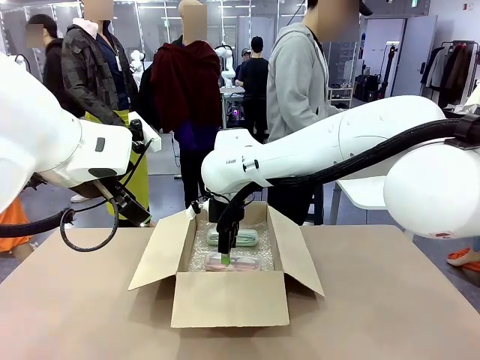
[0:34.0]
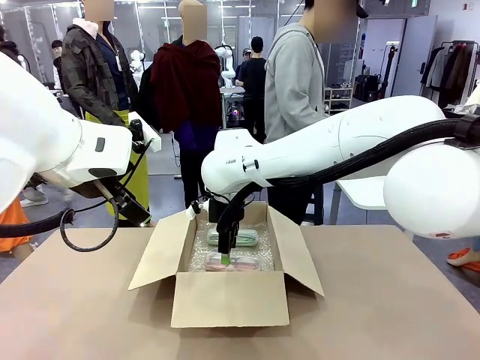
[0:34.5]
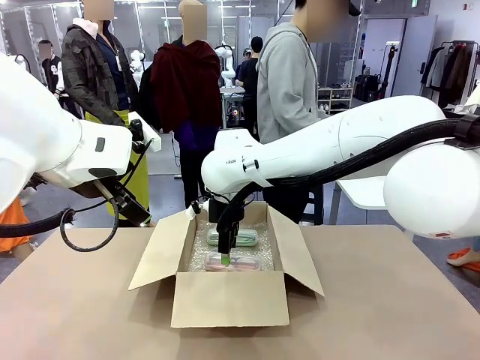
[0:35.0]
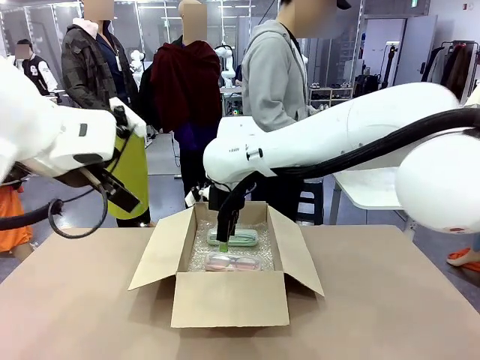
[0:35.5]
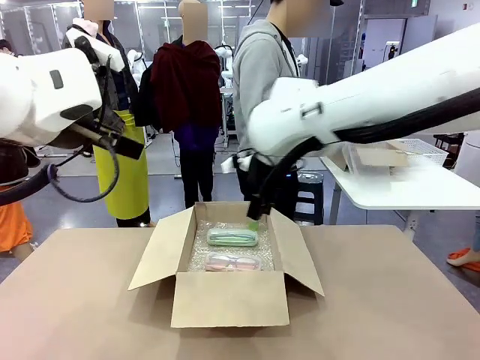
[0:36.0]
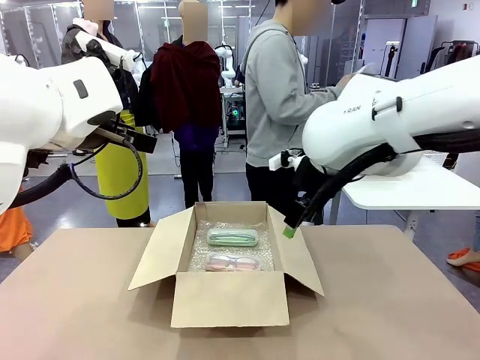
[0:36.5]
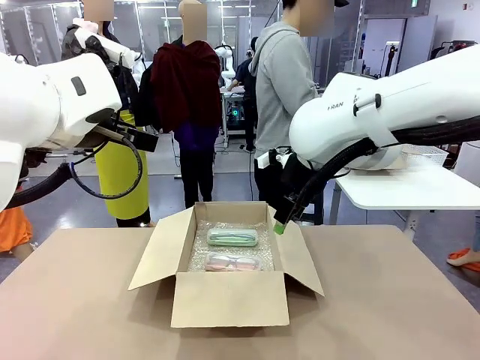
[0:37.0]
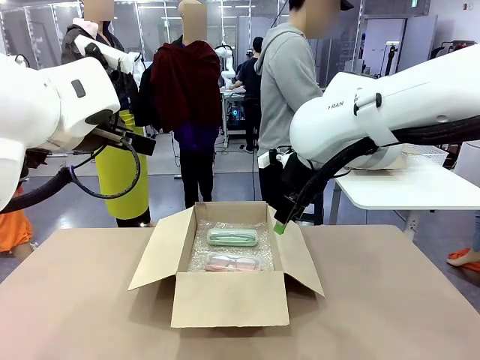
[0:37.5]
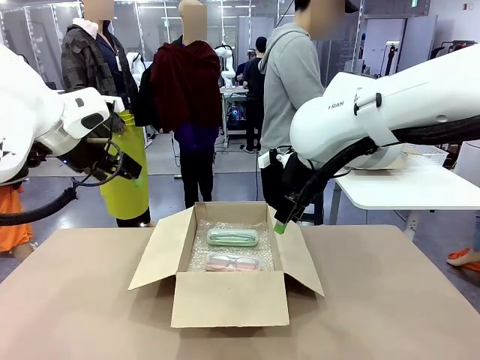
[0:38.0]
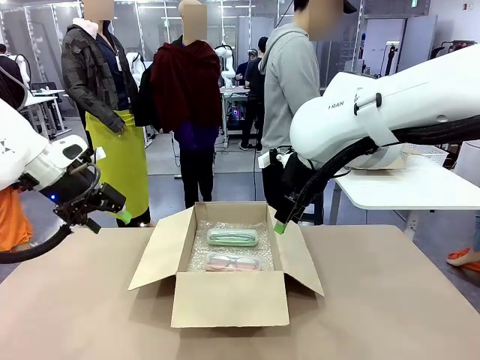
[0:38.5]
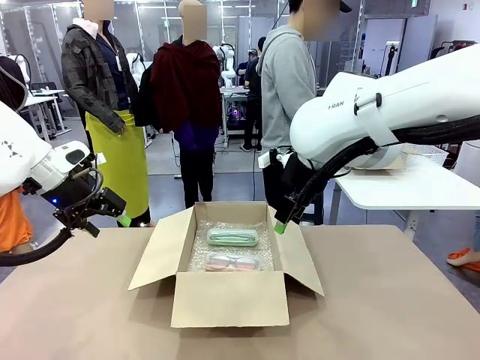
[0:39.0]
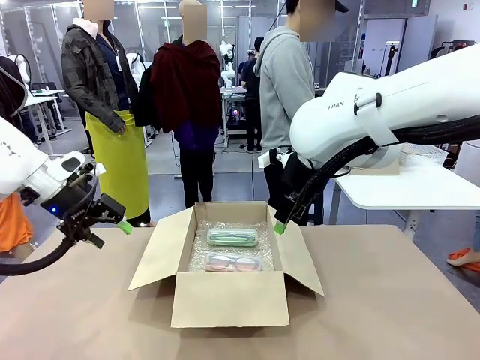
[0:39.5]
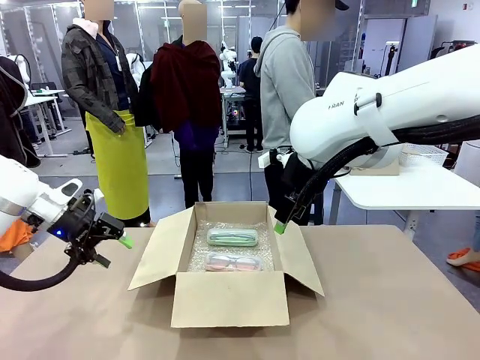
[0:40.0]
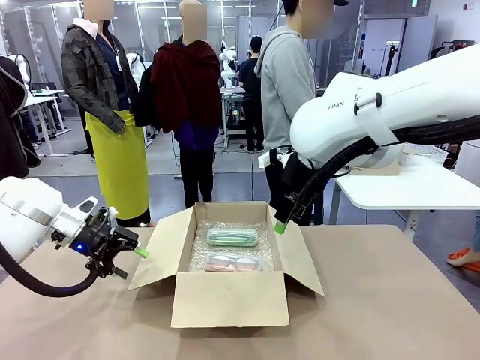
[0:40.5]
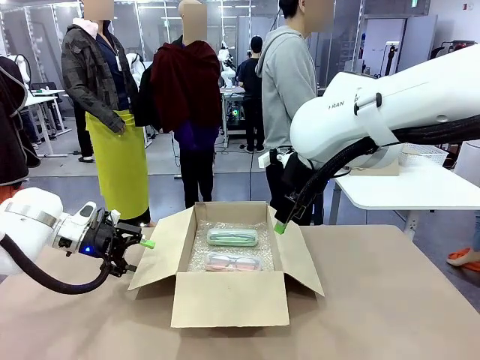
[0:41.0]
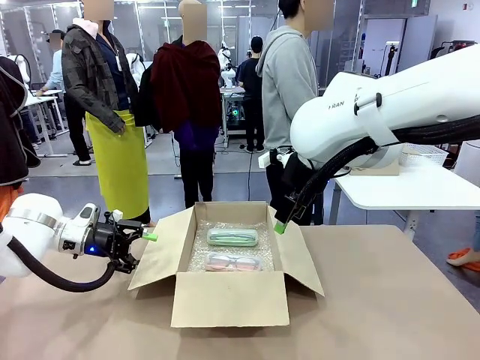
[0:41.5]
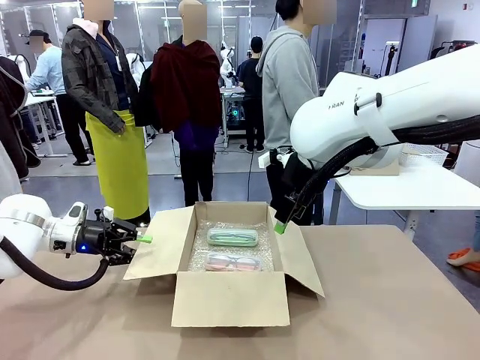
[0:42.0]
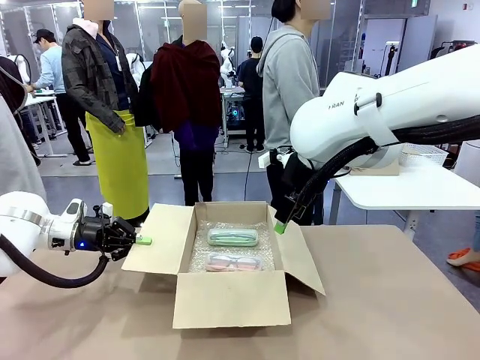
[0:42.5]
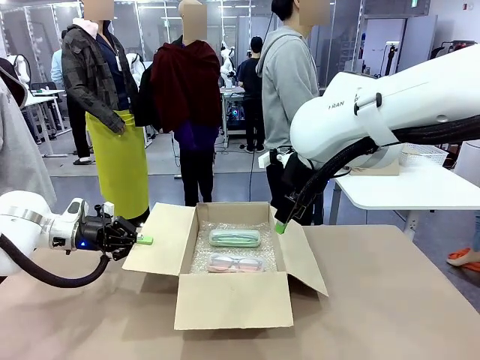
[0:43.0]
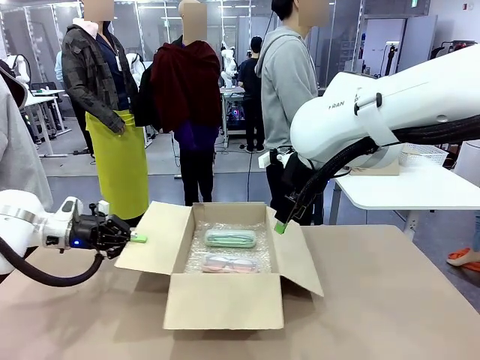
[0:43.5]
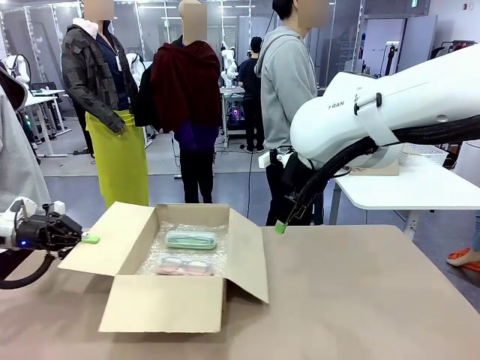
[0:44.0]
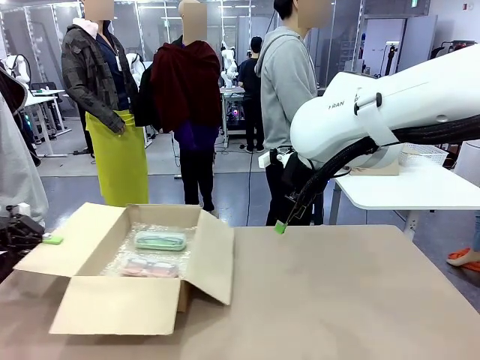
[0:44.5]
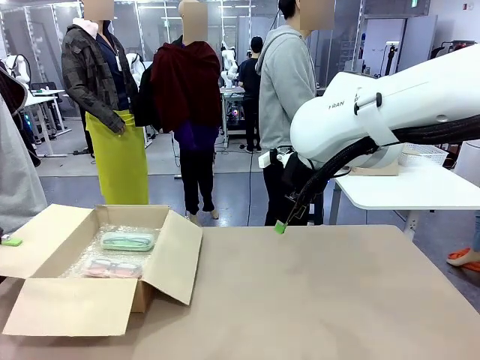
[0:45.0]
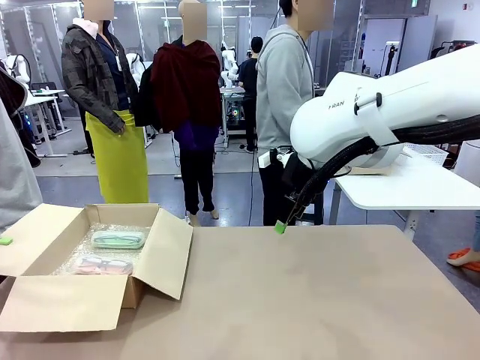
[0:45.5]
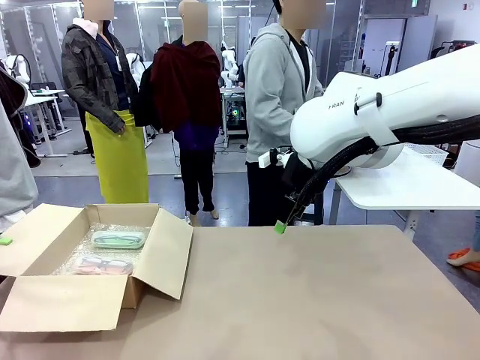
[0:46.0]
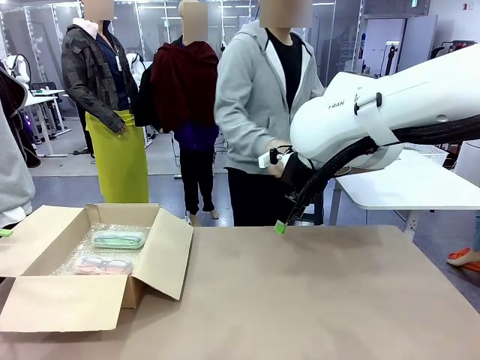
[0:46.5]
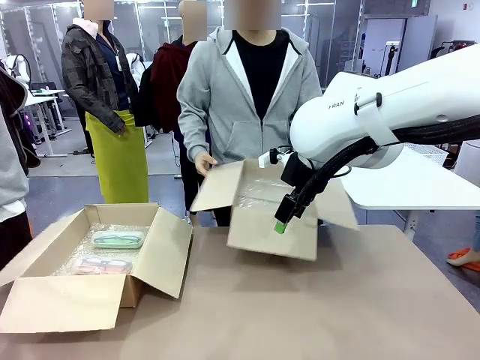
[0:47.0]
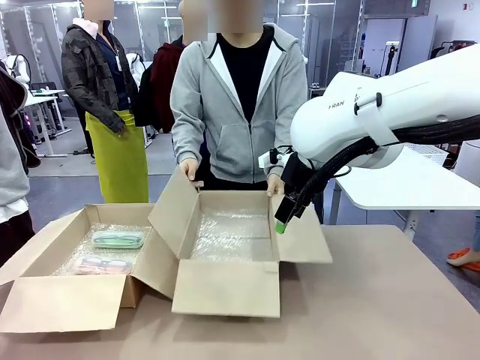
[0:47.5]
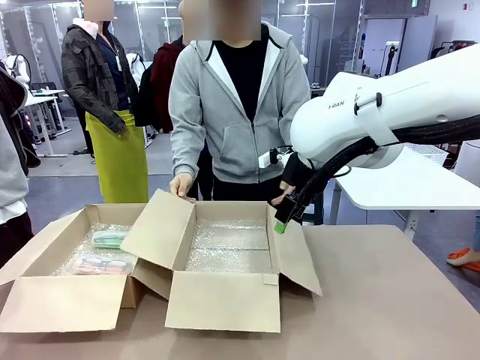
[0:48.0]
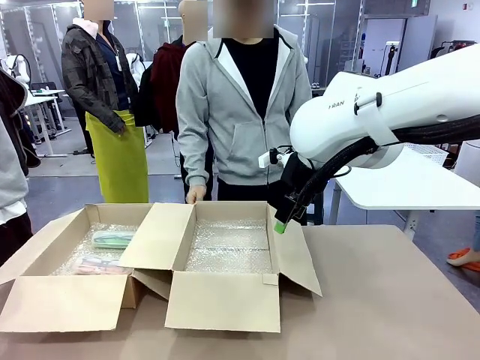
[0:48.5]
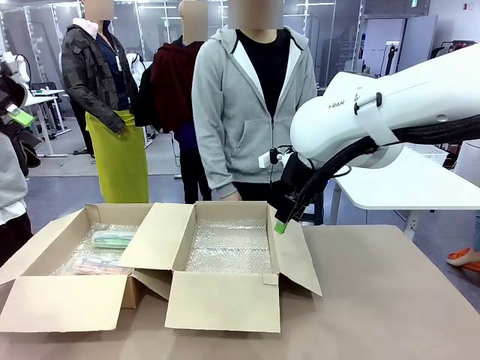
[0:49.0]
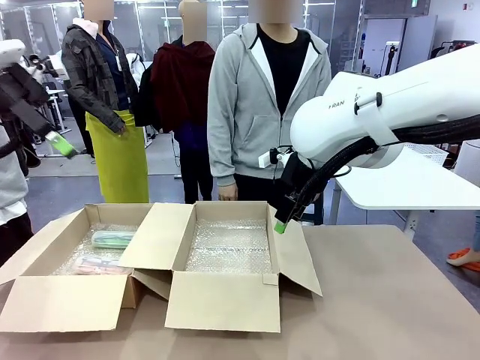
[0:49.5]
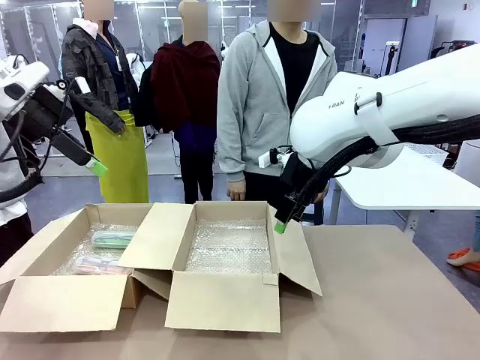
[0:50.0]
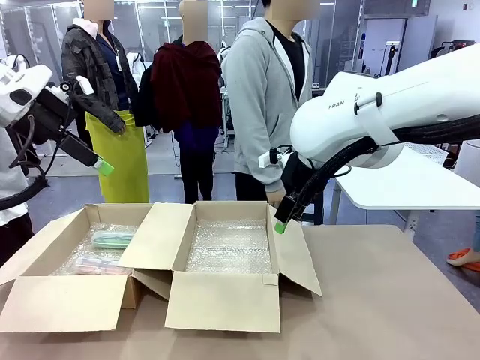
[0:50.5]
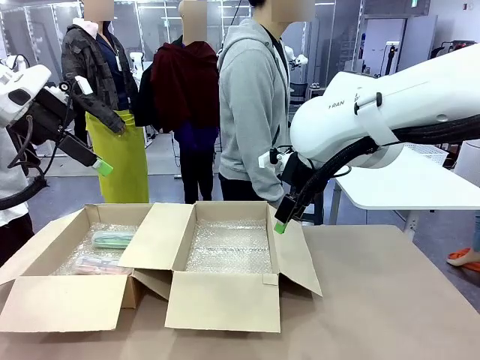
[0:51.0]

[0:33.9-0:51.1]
Task: Pack the glasses set securely to prepare it for shipping.
Robot: Position the Package Box on the left side of the table.
Person: Position the empty Package Box in the middle of the robot's table.

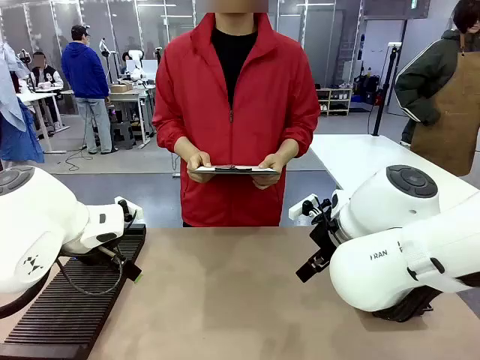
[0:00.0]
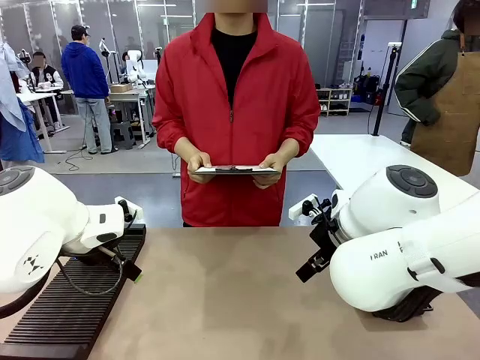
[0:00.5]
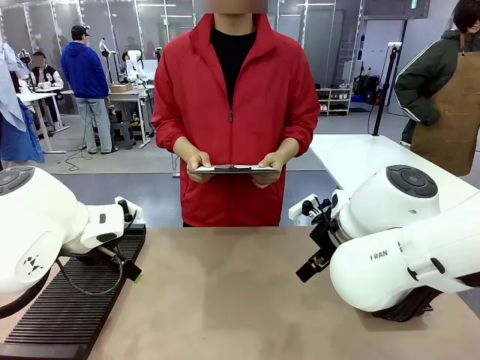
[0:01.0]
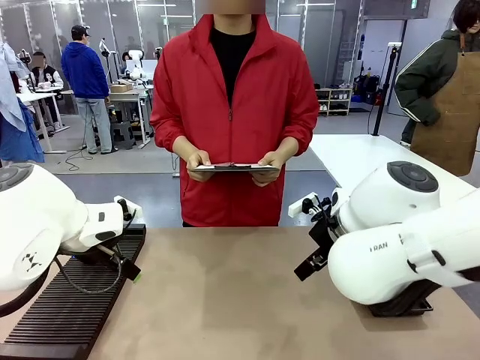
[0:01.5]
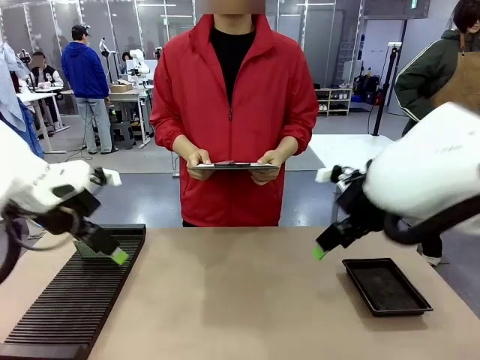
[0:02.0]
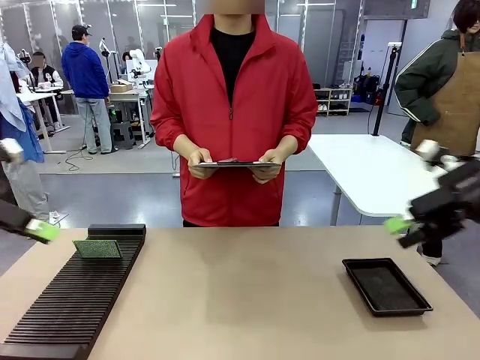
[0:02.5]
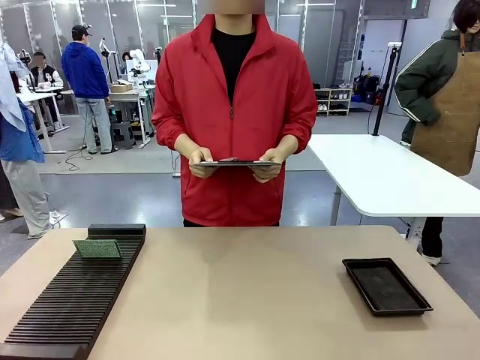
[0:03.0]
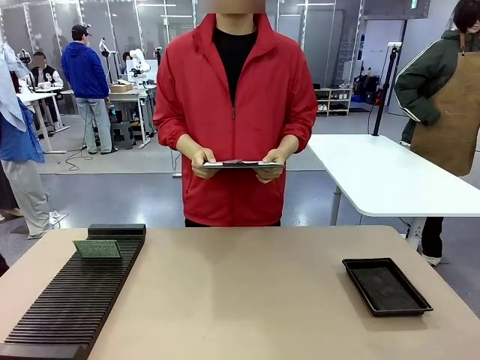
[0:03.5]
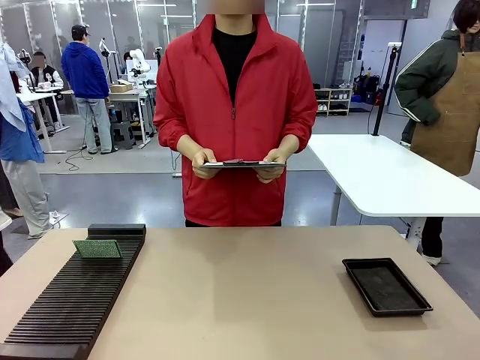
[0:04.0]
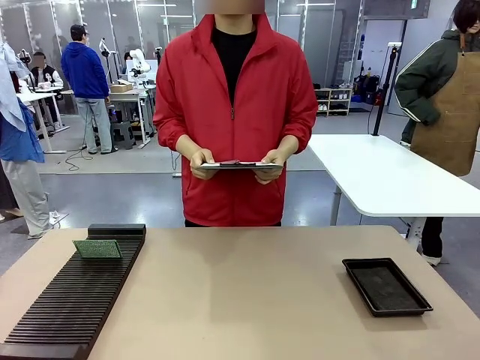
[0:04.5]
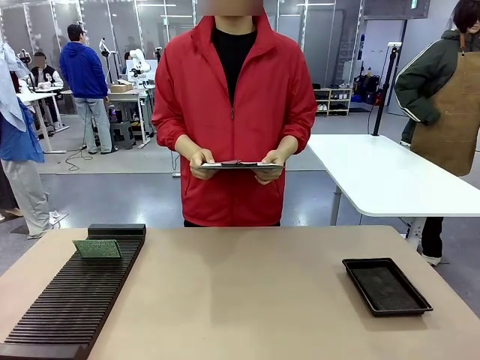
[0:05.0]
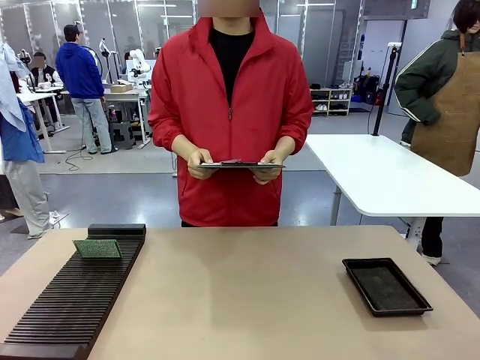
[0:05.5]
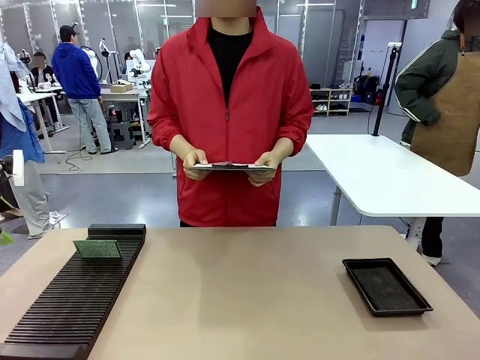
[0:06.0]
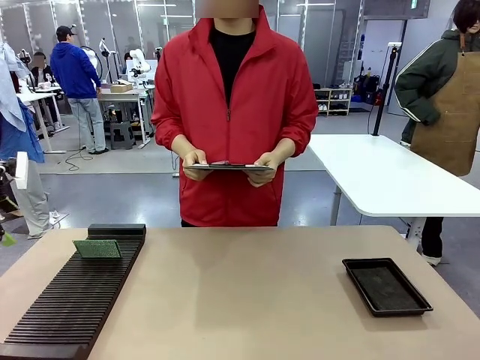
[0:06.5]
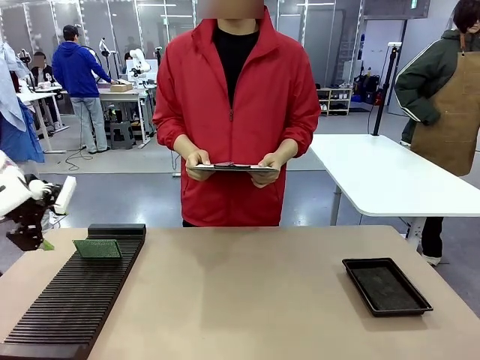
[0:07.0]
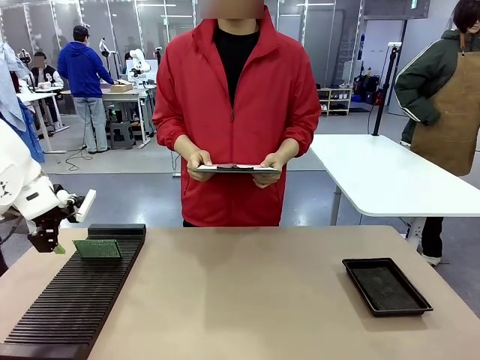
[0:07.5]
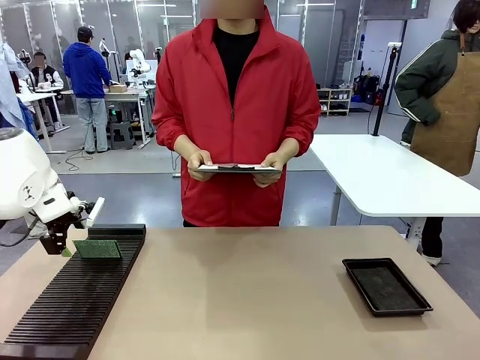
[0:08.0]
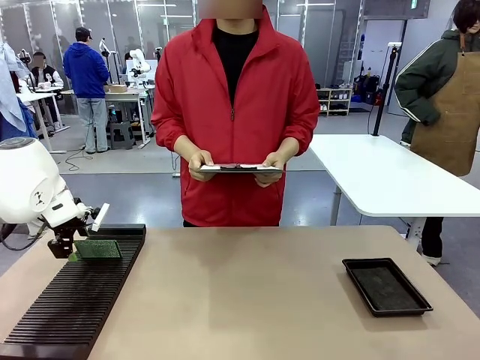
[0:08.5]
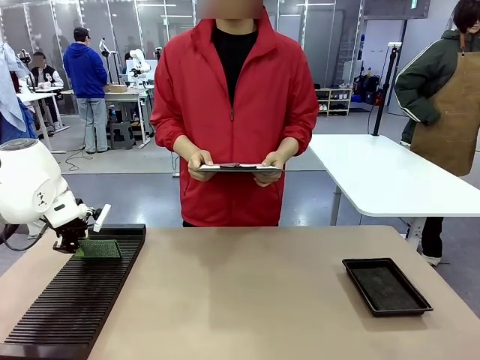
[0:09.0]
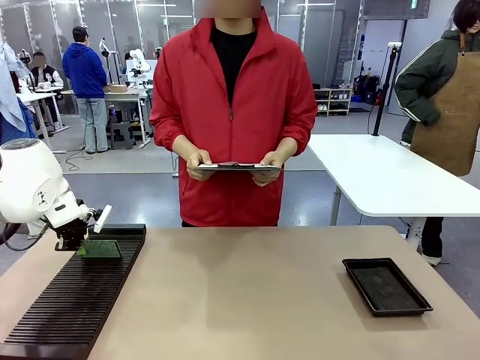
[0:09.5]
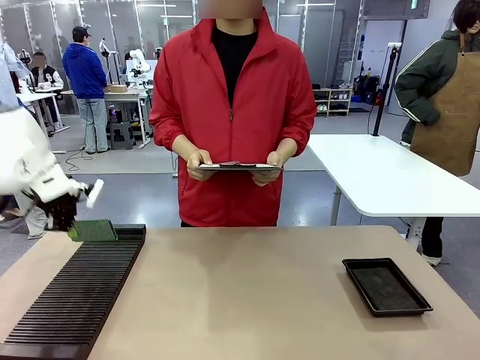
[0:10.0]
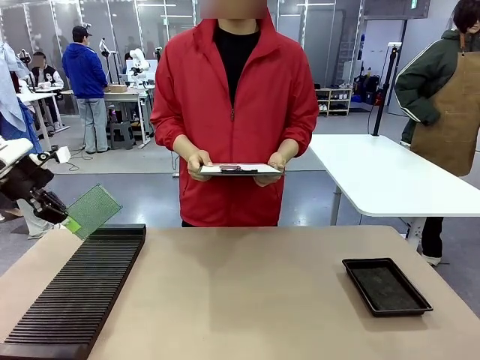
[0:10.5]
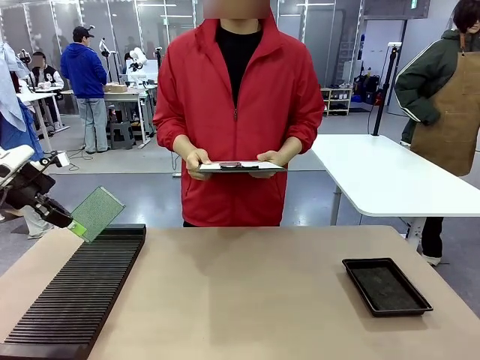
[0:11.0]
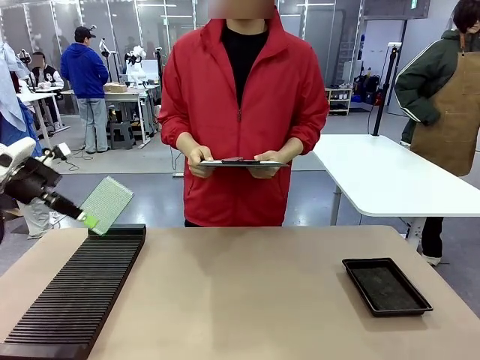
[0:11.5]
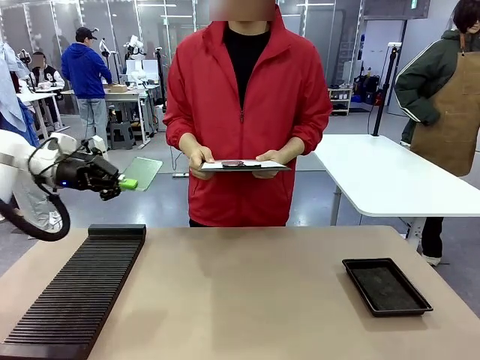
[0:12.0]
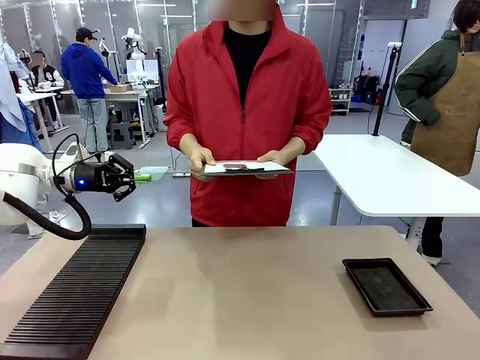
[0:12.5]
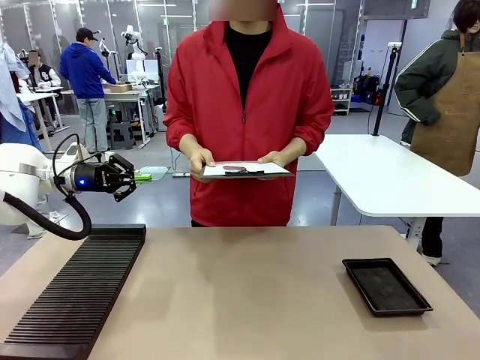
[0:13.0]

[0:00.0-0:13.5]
Task: Inspect the PCB.
Robot: Pick up the Blank PCB and present it to the human.
Person: Pick up the PCB presented by the robot.
